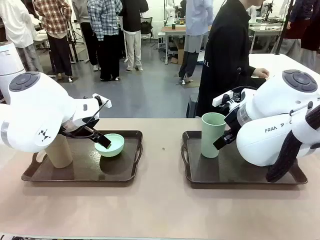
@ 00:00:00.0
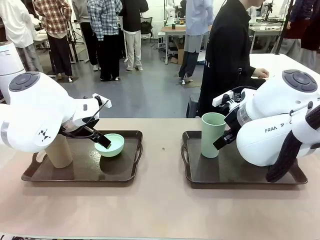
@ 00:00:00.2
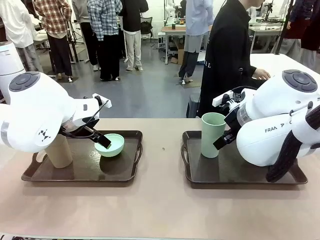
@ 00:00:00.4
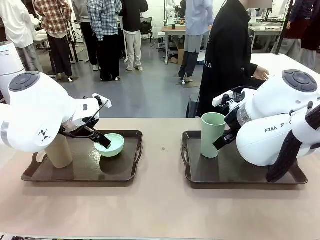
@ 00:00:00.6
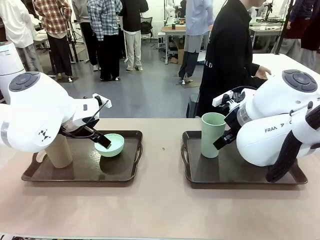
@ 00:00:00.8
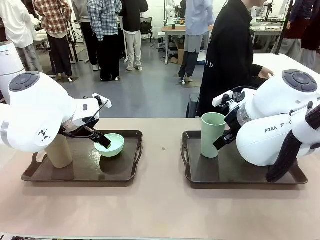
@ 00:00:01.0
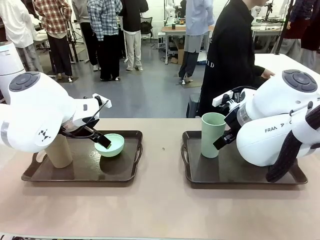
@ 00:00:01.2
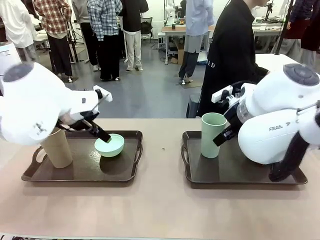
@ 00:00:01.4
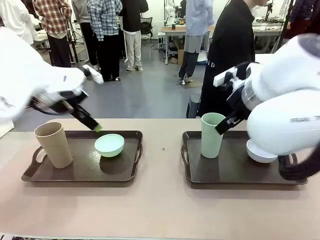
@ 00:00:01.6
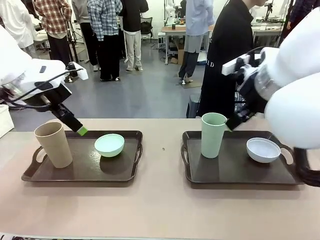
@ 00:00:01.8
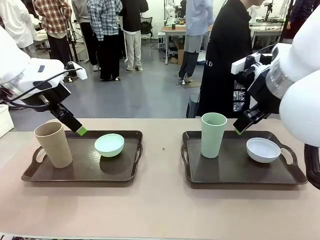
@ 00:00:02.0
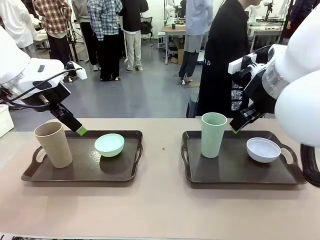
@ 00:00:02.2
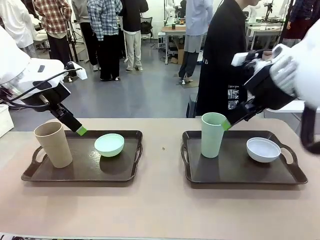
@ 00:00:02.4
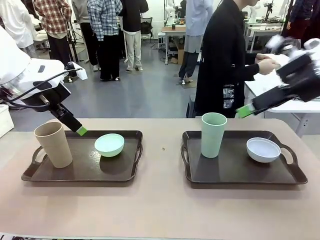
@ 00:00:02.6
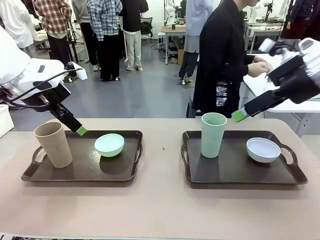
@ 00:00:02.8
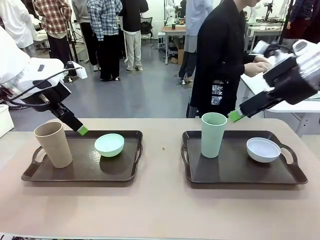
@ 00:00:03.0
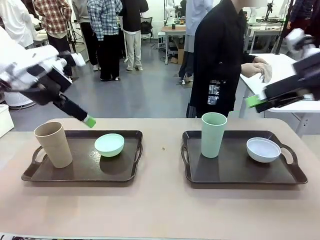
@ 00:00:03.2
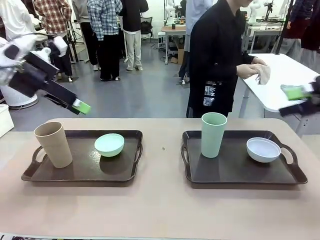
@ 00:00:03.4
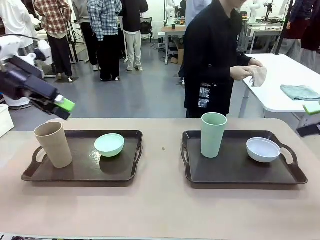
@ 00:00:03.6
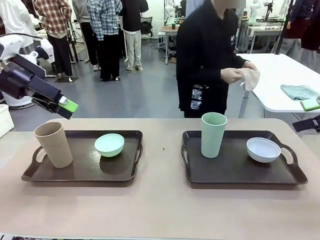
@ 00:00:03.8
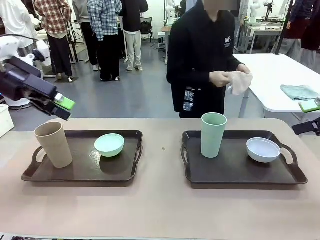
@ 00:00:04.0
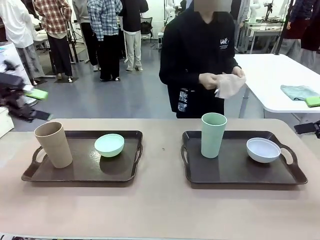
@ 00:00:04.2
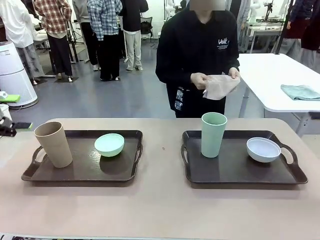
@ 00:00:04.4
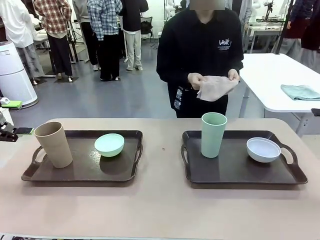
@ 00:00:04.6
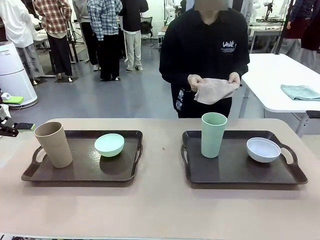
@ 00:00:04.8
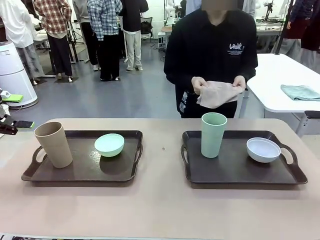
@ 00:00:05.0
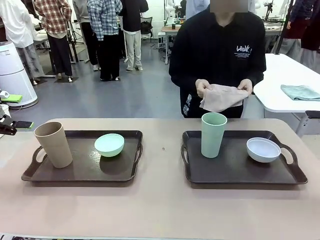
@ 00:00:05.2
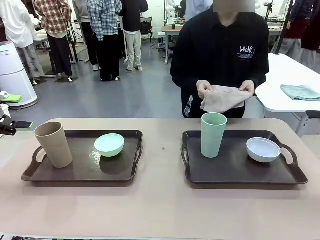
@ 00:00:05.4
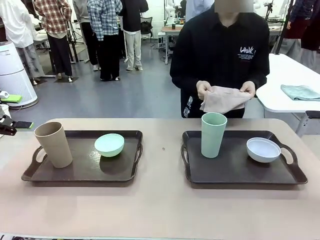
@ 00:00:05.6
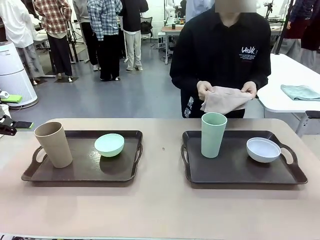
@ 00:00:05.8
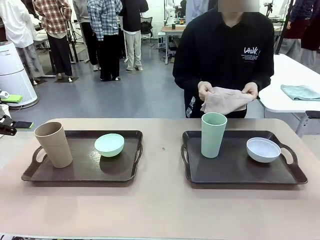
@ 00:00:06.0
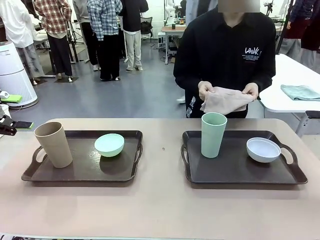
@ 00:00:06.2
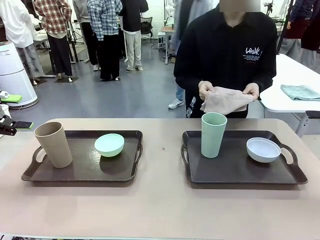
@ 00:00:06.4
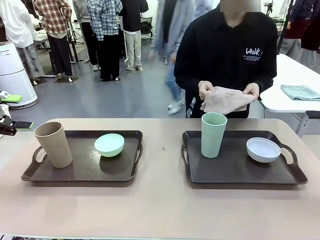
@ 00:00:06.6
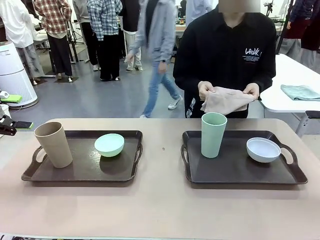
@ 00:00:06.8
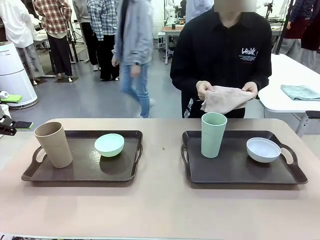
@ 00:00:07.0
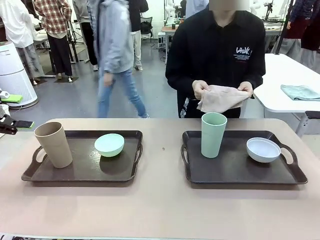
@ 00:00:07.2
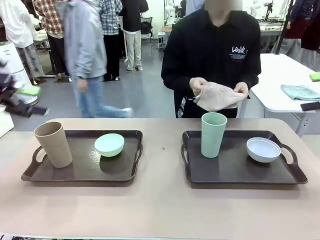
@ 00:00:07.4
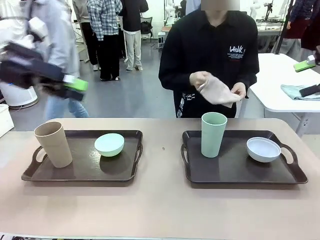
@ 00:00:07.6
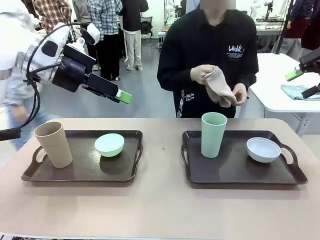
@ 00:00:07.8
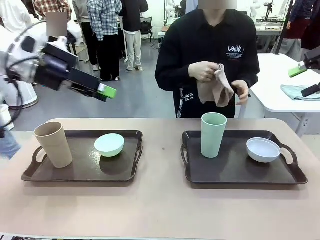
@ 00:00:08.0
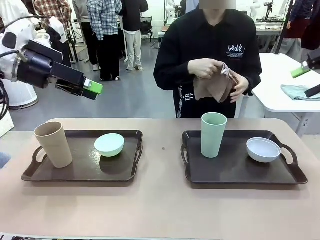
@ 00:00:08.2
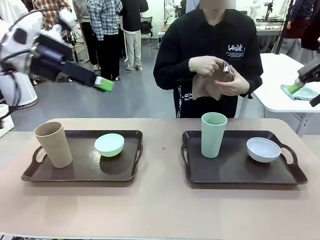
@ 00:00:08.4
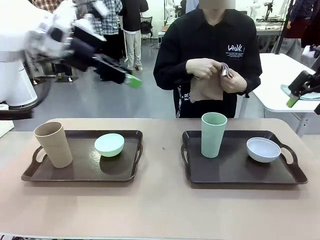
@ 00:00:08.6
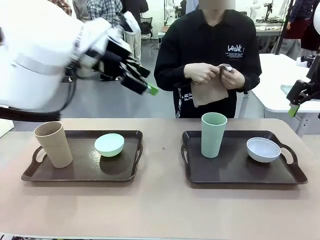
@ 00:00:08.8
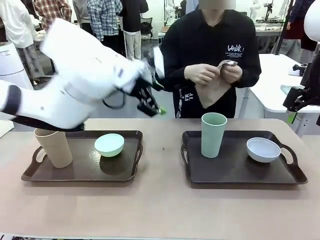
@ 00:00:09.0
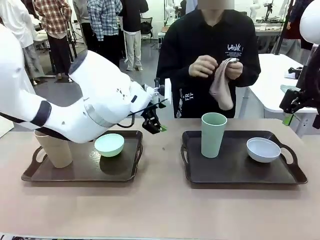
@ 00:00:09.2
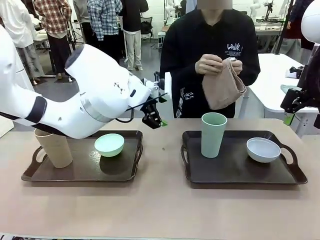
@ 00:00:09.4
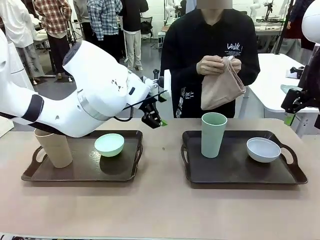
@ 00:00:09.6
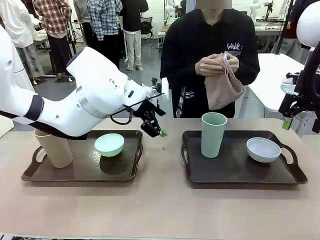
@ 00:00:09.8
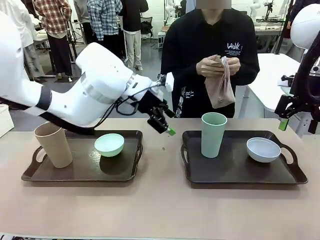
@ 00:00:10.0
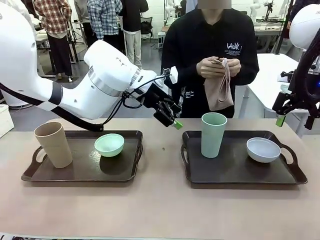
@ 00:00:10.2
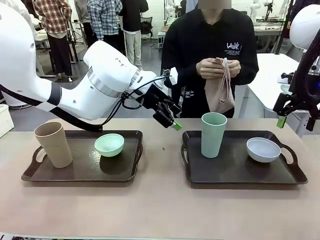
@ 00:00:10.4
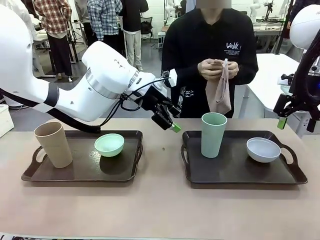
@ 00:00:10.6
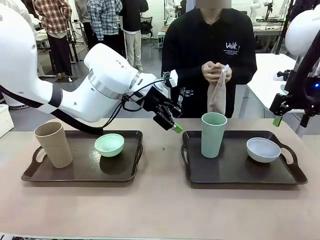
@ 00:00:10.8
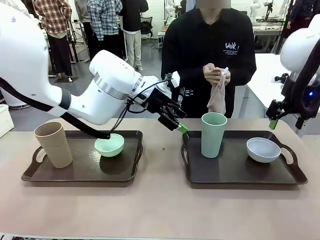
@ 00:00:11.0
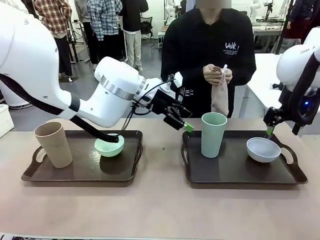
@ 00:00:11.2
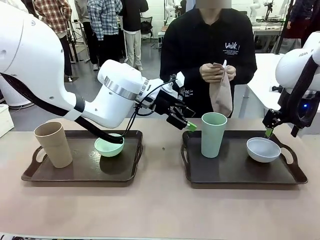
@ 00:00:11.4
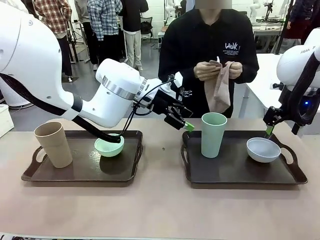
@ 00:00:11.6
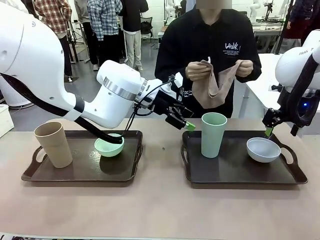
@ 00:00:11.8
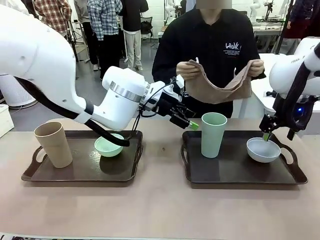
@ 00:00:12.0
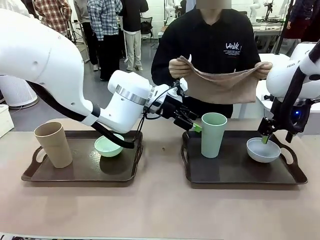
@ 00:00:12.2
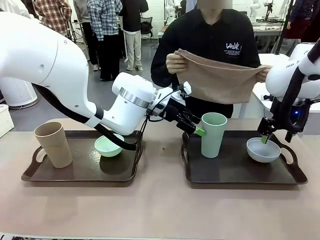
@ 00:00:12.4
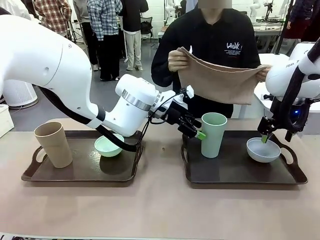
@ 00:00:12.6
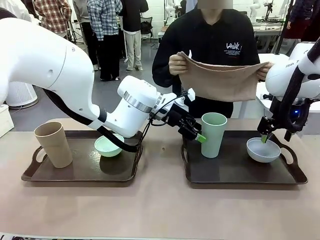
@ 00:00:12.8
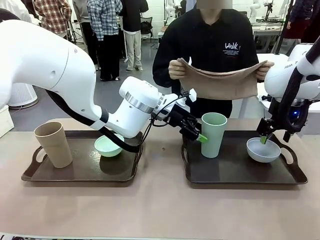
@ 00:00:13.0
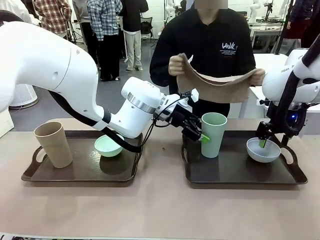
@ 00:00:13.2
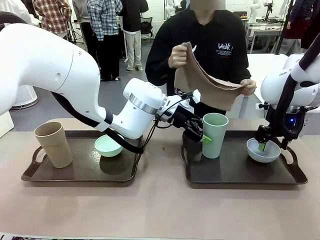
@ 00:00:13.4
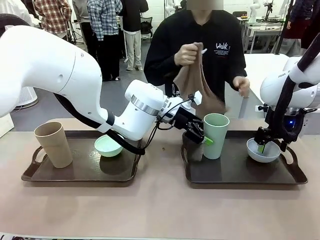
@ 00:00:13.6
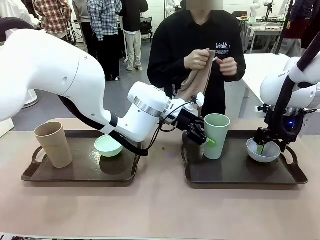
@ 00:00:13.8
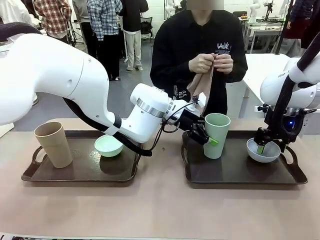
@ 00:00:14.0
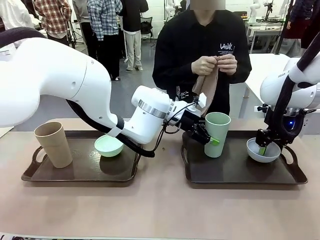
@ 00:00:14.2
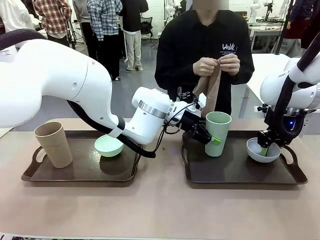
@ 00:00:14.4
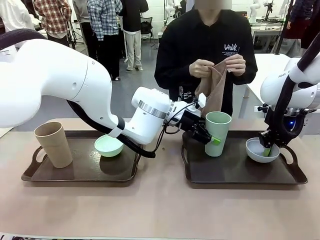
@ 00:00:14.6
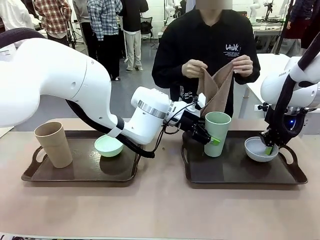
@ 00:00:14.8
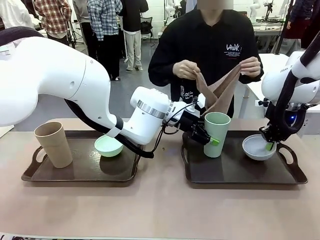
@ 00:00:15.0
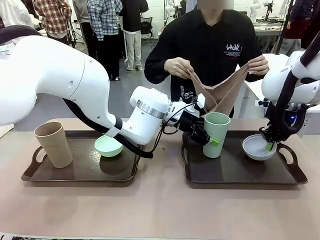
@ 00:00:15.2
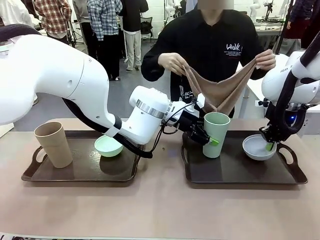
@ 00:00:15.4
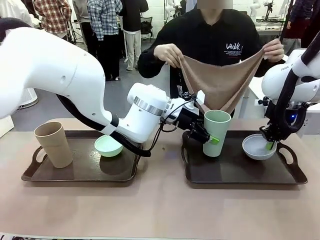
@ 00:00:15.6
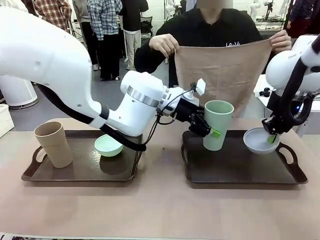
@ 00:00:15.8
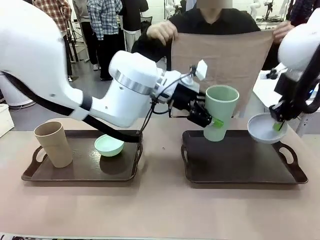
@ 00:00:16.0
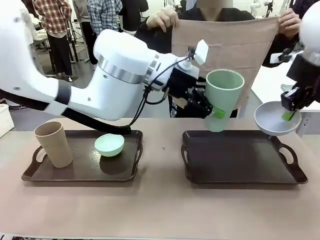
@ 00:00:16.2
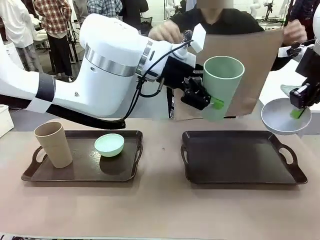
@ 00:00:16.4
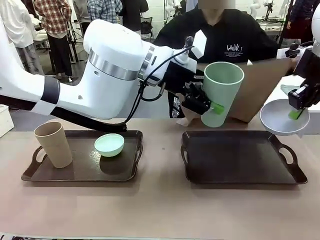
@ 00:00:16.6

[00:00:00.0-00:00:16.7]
Robot: Pick up the Picnic Bowl and Reusable plastic cup from the Handle tray in front of the human's position and hold them in the air.
Person: The human picks up the top napkin from the stack on the human table and walks to the robot table to stand in front of one of the two trays. When the robot lifts the bowl and the cup, the human unfolds the napkin and lays the napkin flat on the tray.
